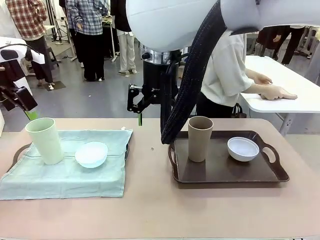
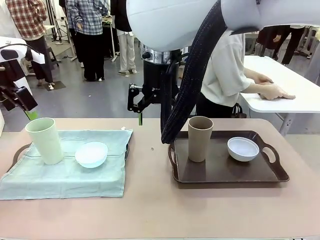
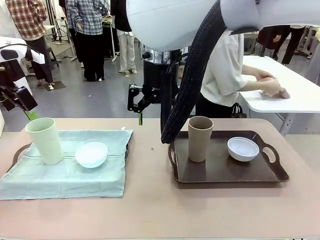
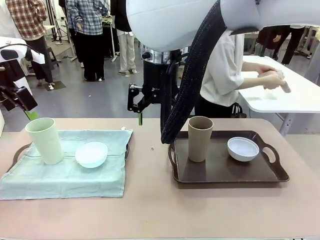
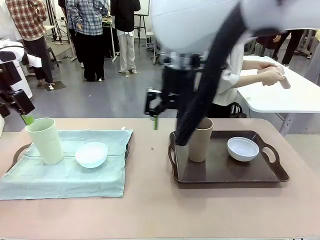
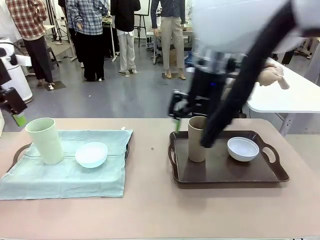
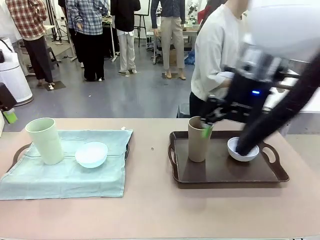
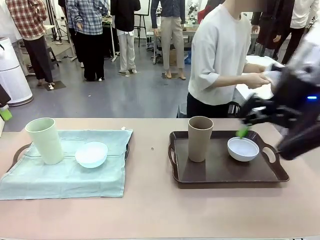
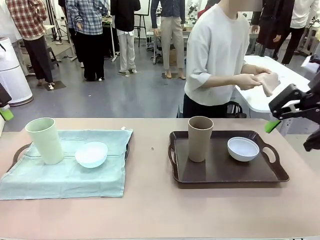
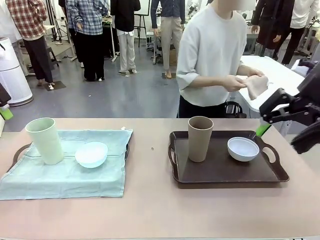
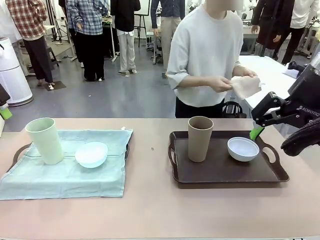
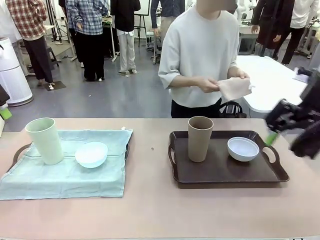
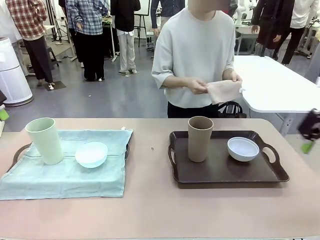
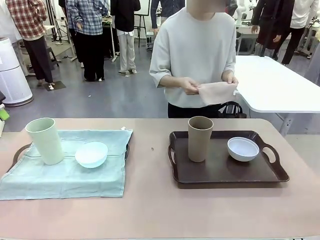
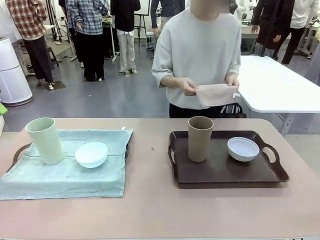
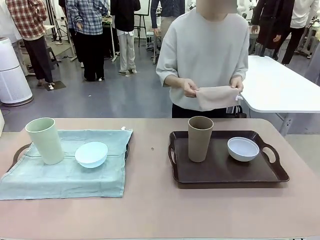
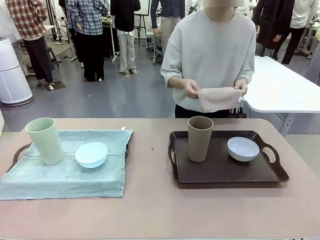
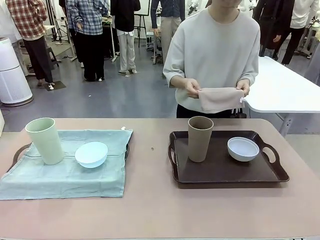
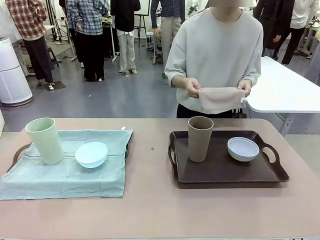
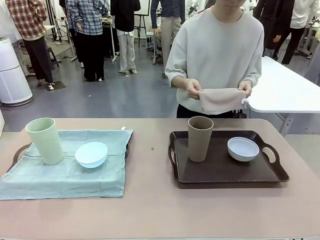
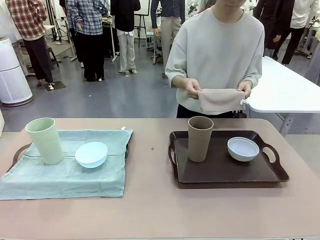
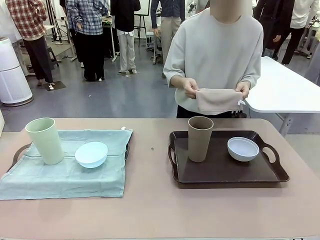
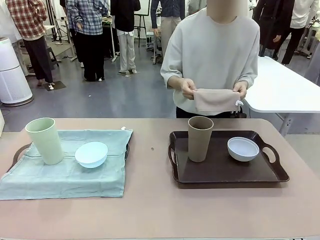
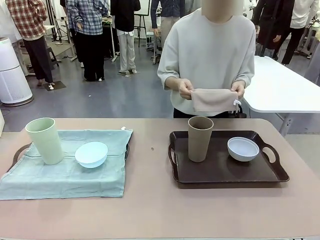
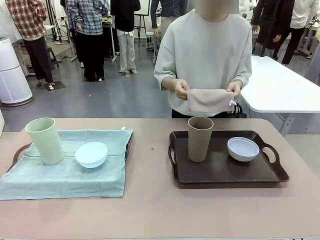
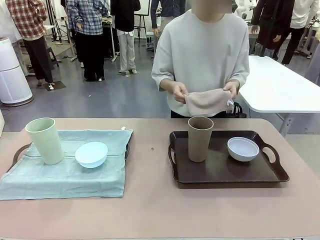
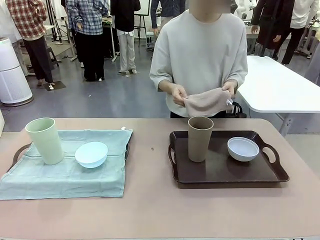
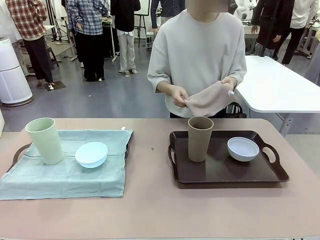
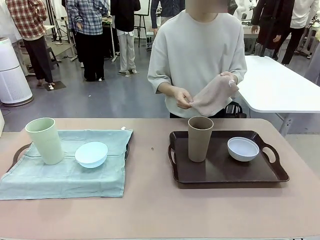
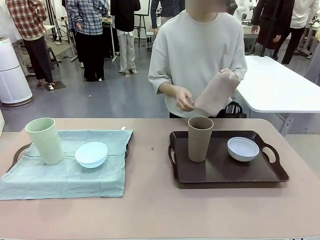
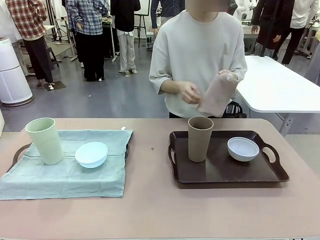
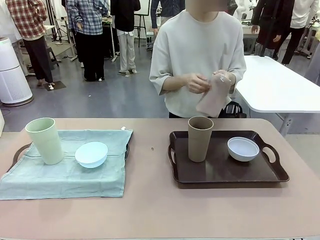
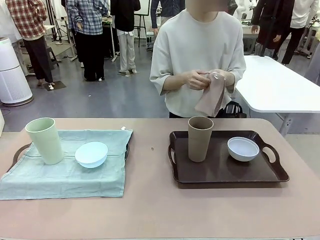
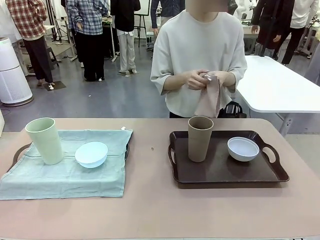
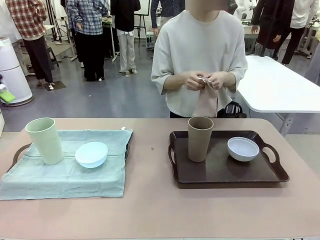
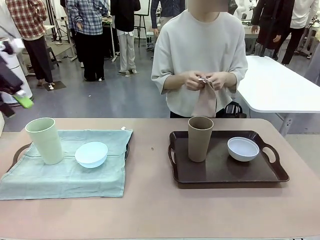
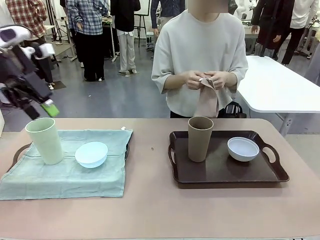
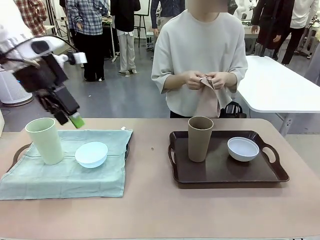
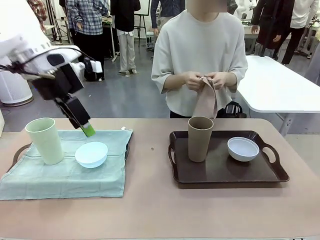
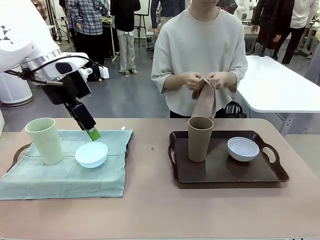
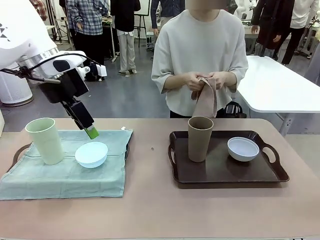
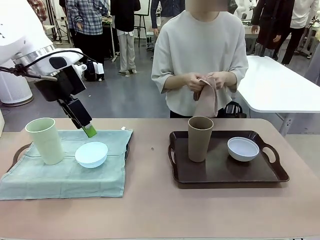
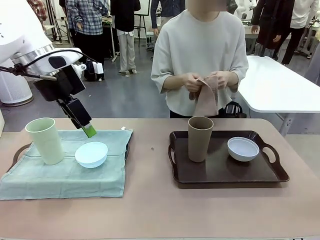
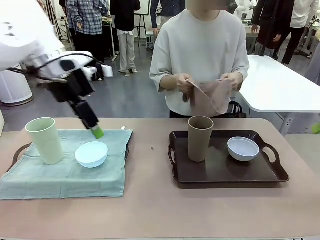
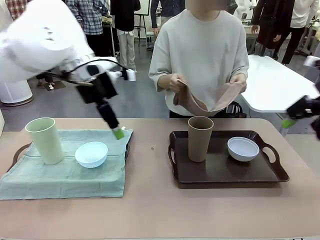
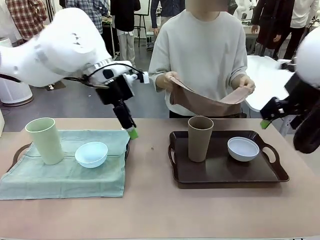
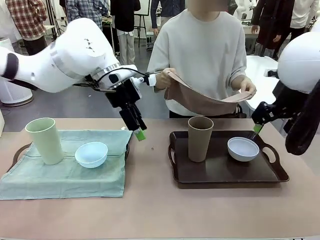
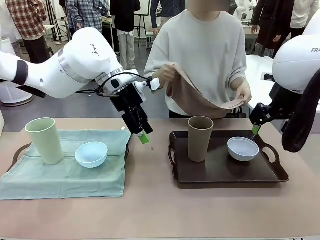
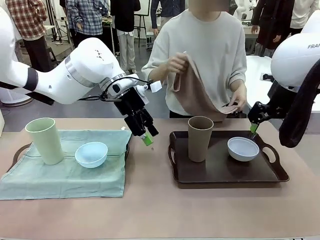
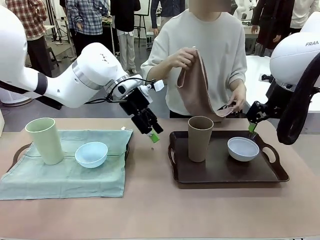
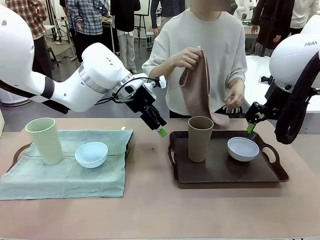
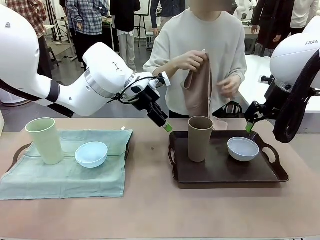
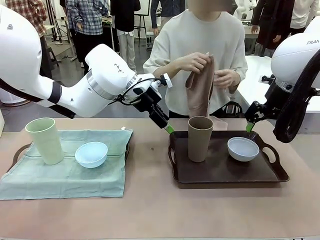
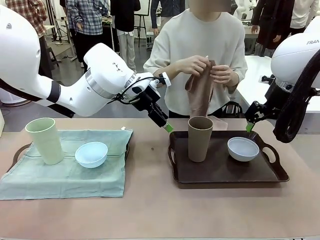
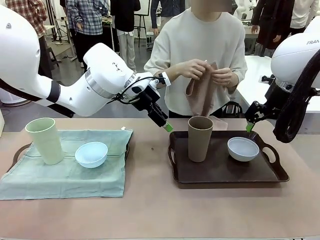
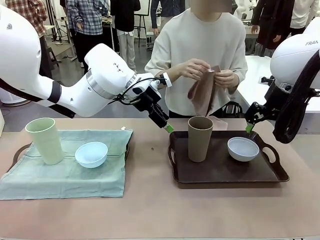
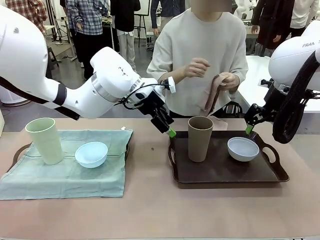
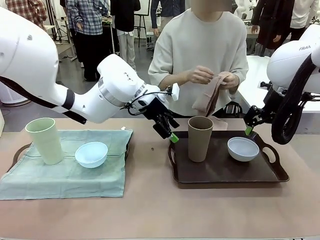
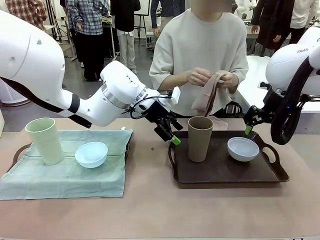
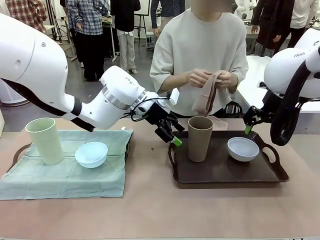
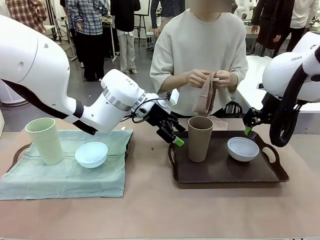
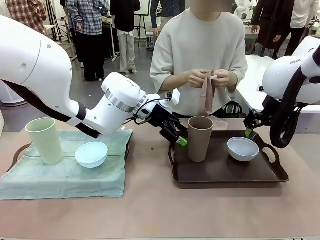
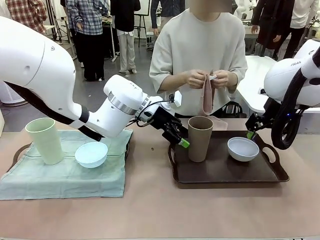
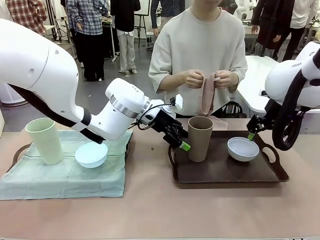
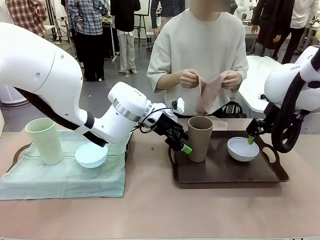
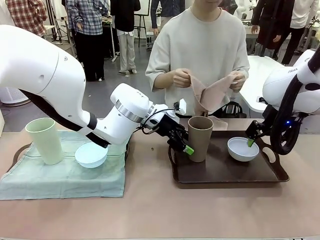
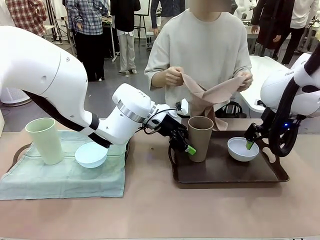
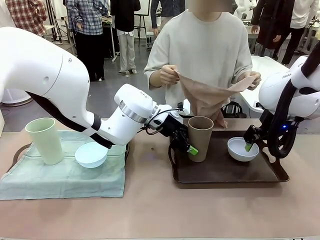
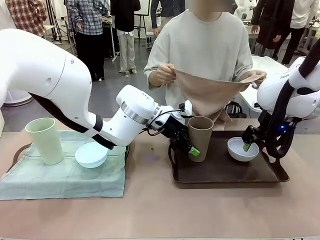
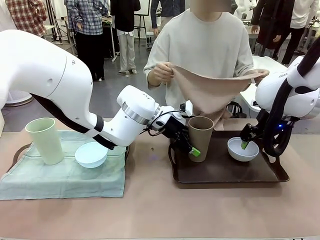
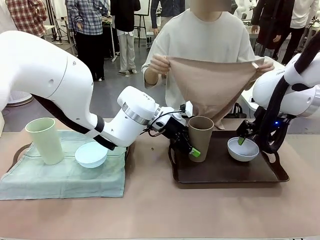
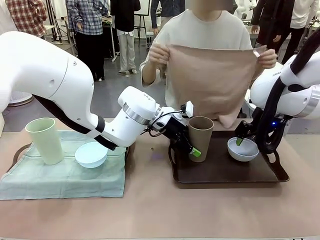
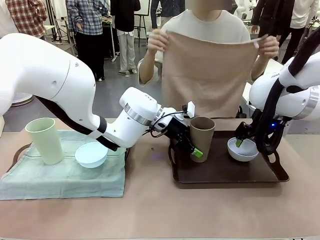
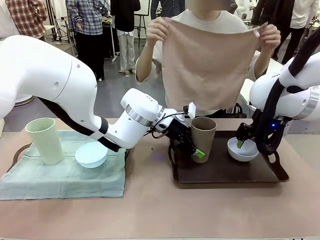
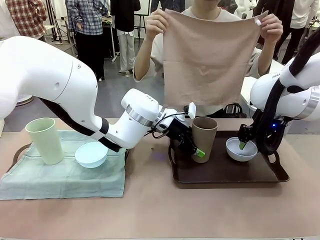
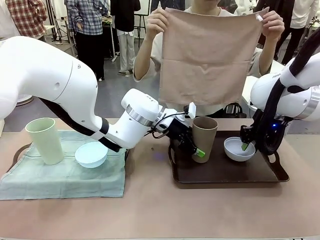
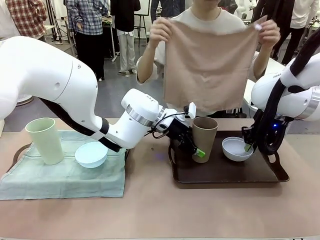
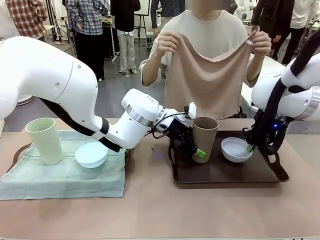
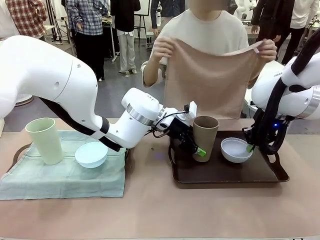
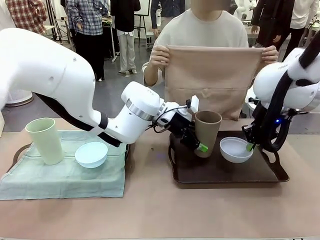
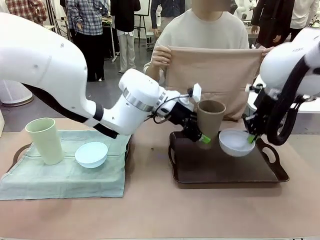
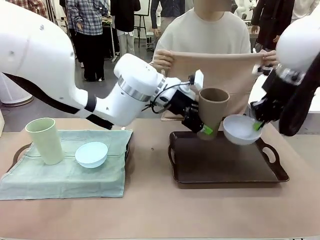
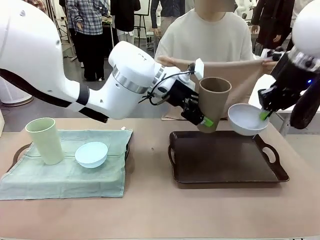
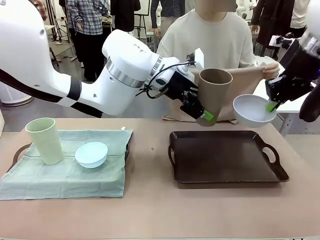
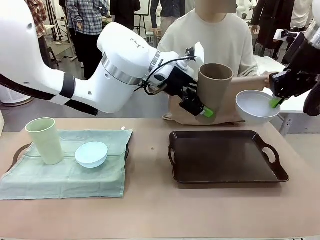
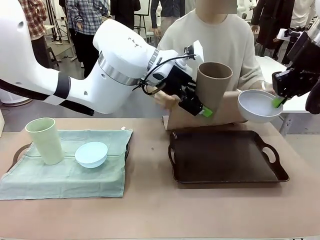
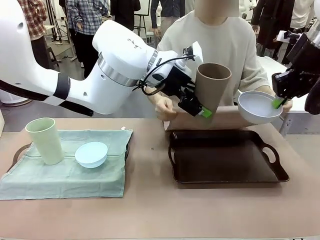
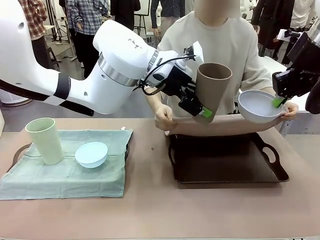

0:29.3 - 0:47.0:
Robot: Pick up the Picnic Bowl and Reusable plastic cup from the Handle tray in front of the human's position and hold them in the air.

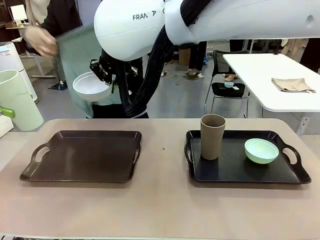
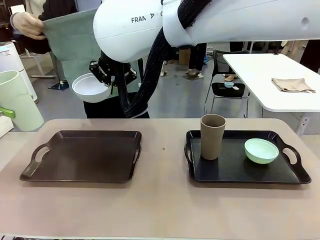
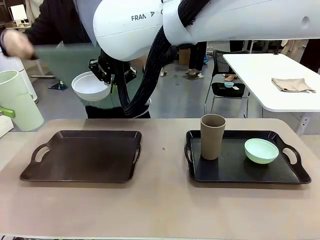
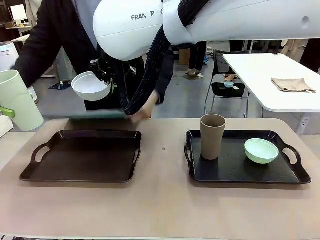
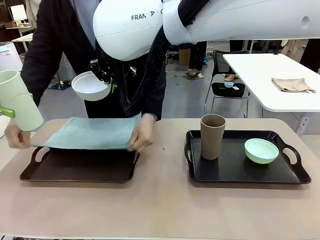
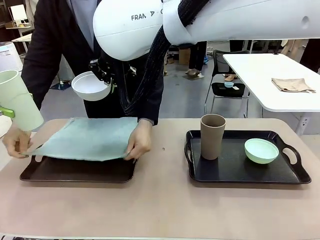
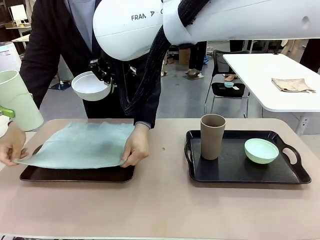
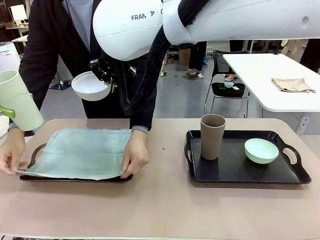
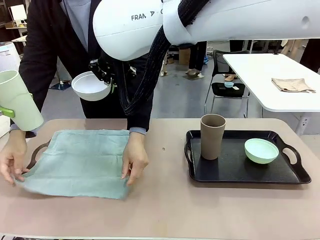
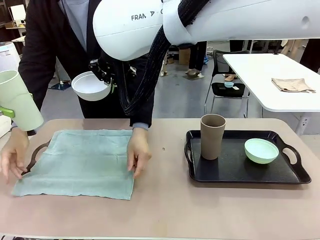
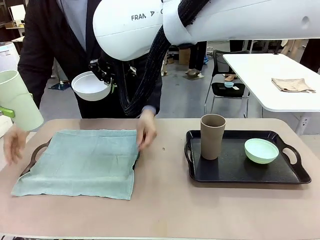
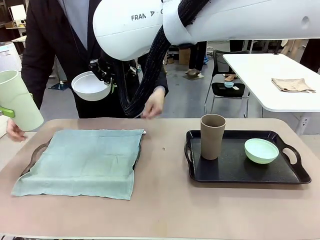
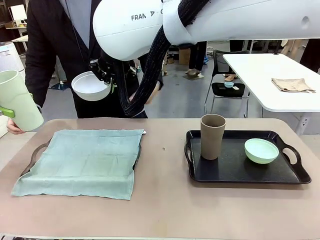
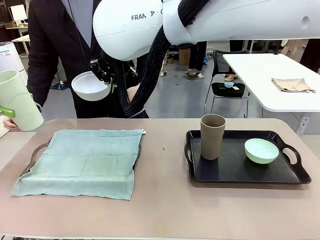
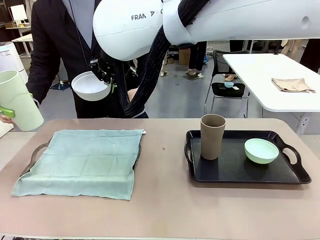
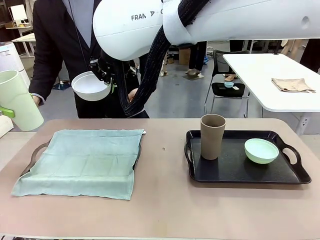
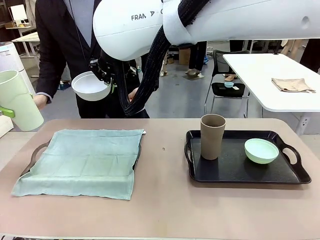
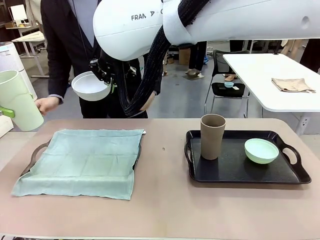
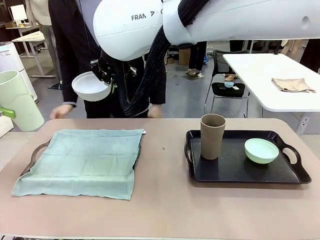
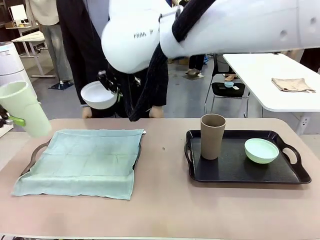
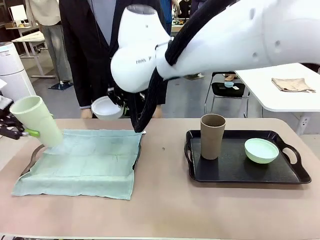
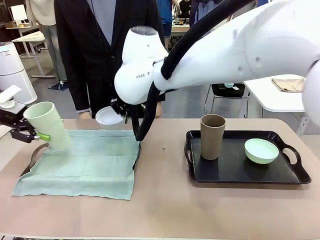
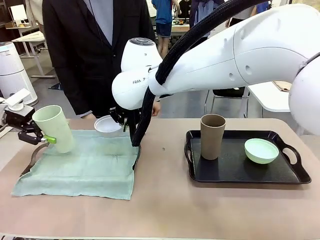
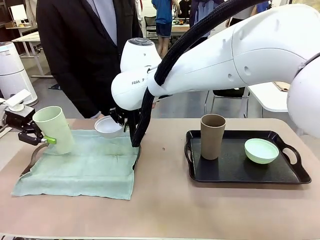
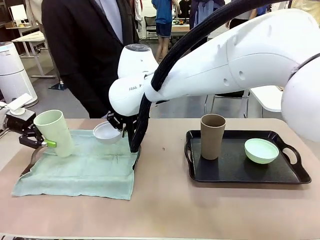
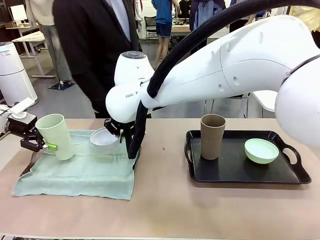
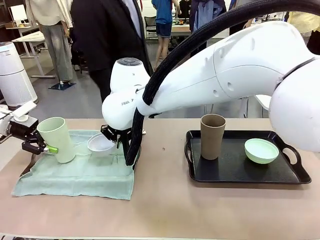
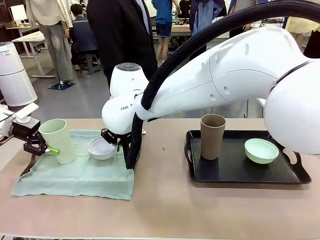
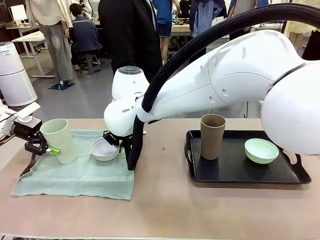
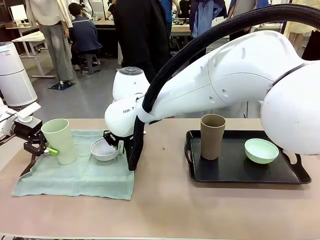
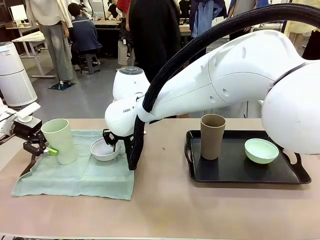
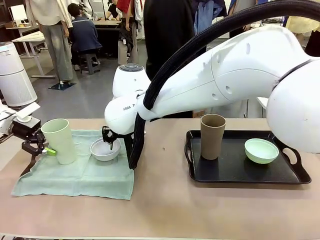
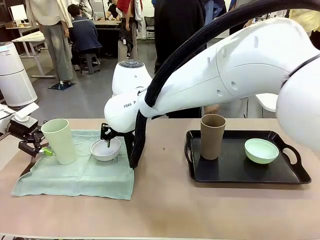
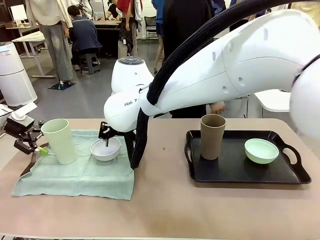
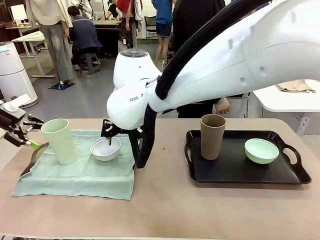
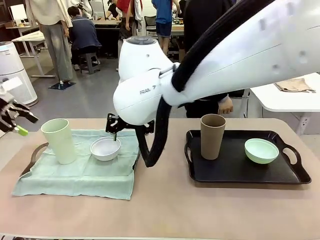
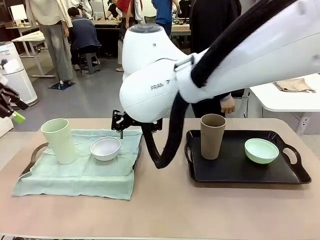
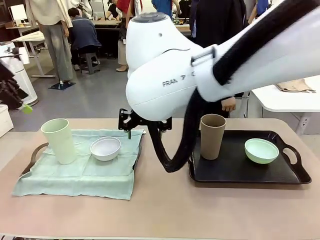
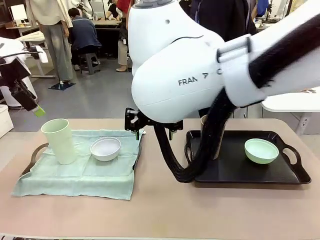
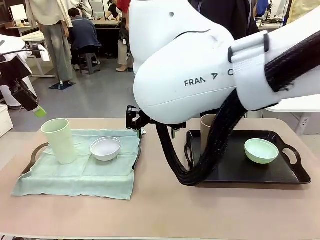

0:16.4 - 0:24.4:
Robot: Place the Picnic Bowl and Reusable plastic cup back onto the Handle tray in front of the human's position.
